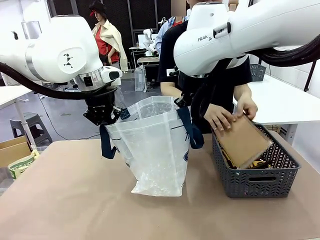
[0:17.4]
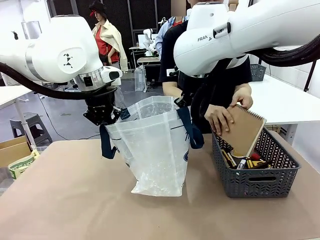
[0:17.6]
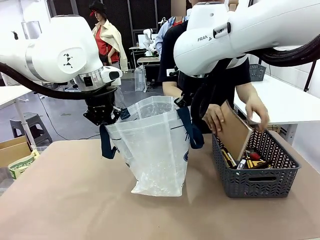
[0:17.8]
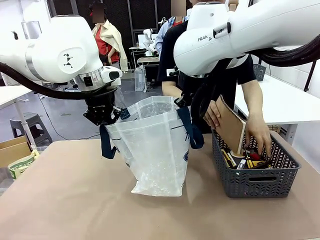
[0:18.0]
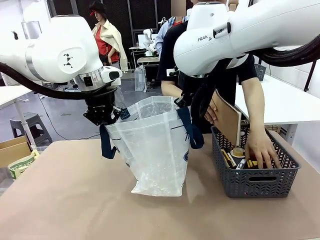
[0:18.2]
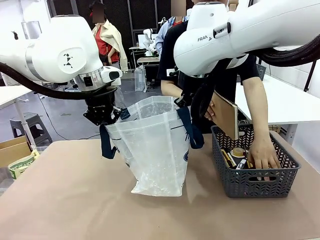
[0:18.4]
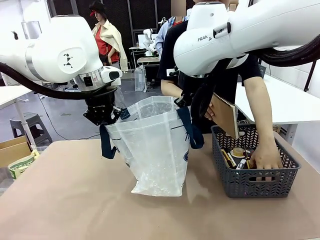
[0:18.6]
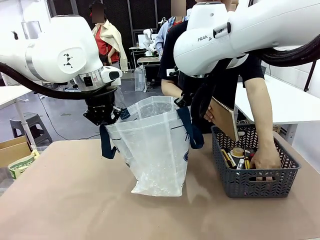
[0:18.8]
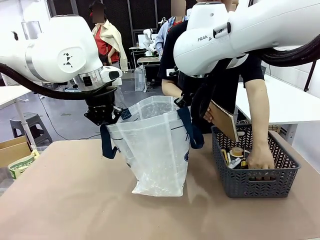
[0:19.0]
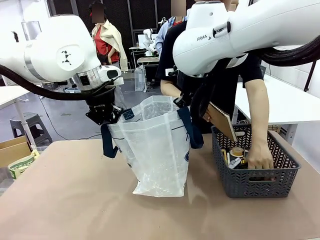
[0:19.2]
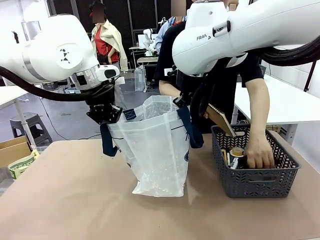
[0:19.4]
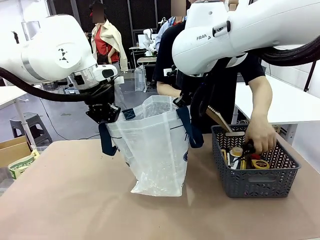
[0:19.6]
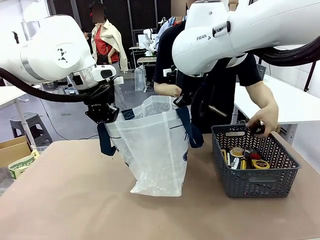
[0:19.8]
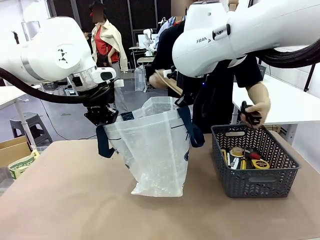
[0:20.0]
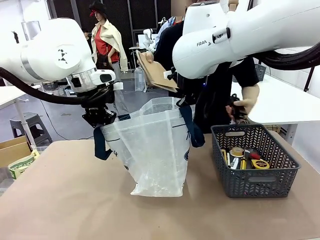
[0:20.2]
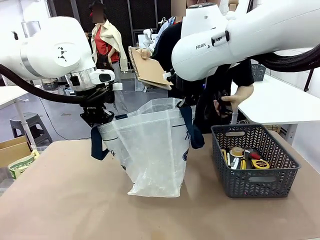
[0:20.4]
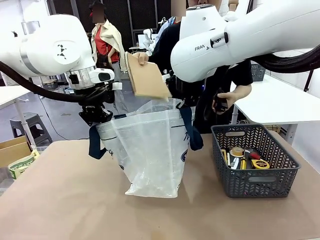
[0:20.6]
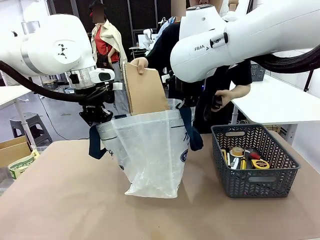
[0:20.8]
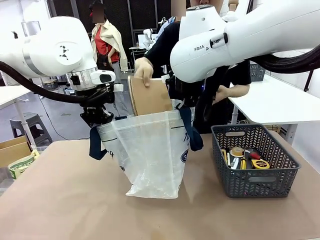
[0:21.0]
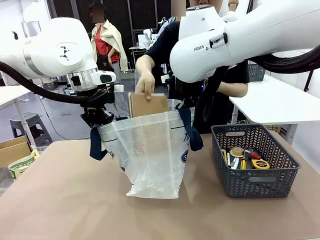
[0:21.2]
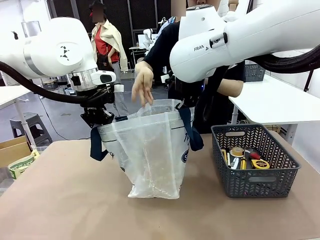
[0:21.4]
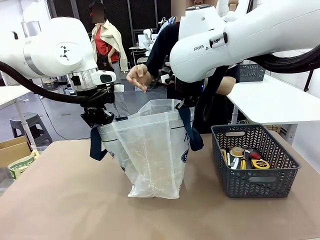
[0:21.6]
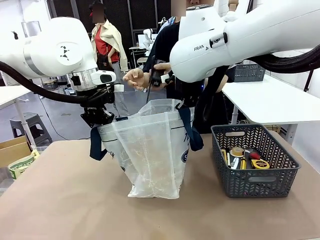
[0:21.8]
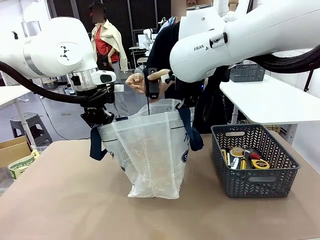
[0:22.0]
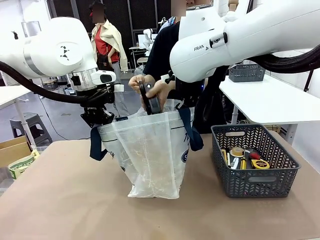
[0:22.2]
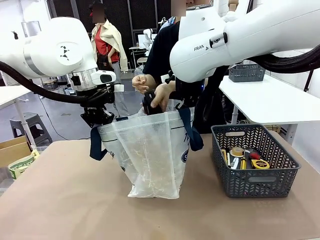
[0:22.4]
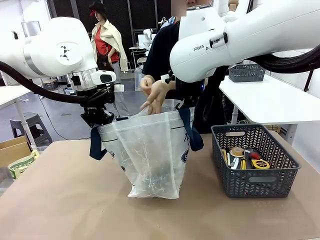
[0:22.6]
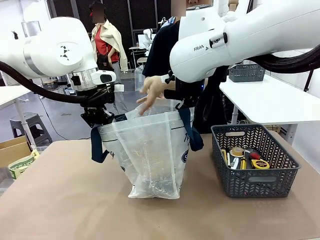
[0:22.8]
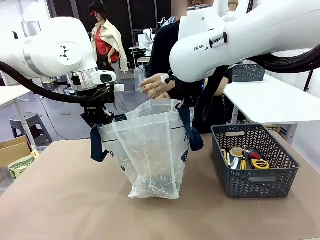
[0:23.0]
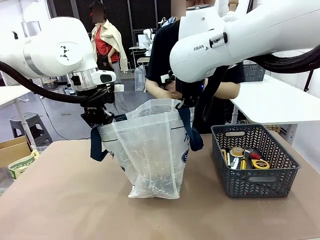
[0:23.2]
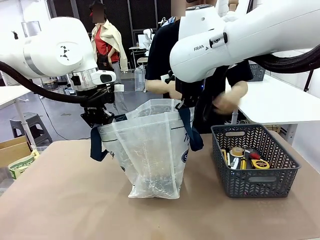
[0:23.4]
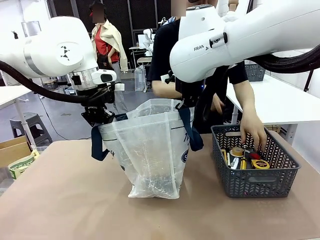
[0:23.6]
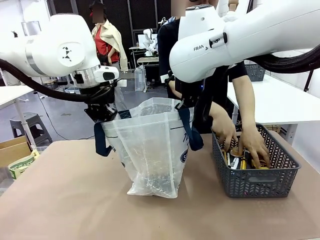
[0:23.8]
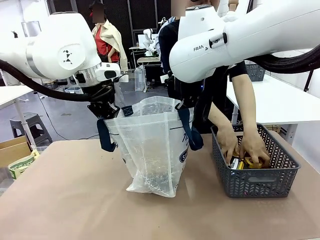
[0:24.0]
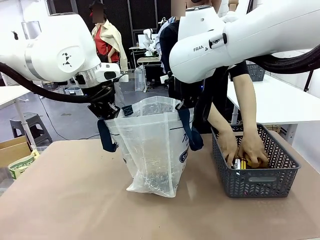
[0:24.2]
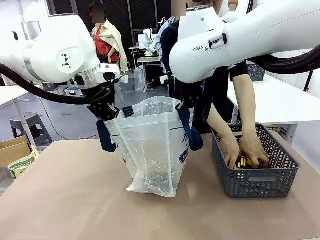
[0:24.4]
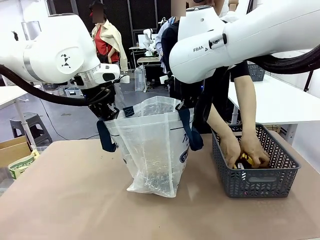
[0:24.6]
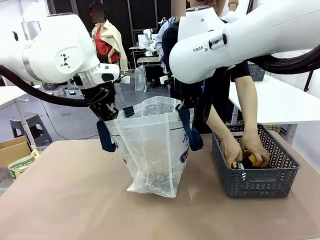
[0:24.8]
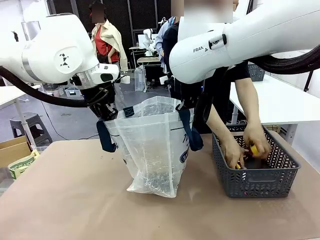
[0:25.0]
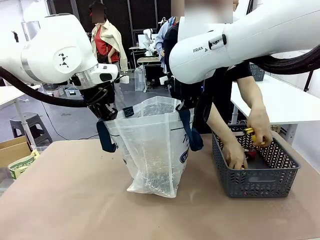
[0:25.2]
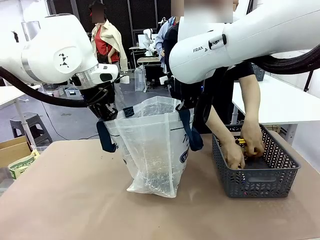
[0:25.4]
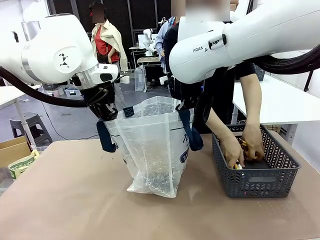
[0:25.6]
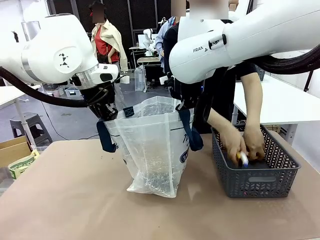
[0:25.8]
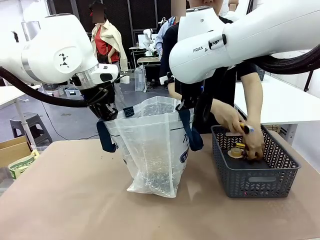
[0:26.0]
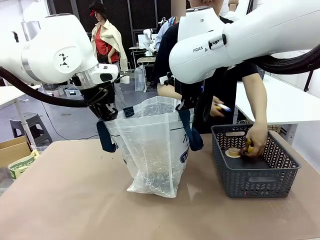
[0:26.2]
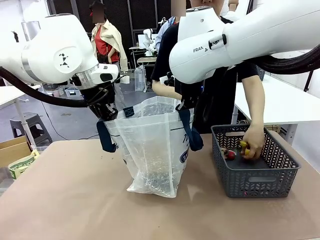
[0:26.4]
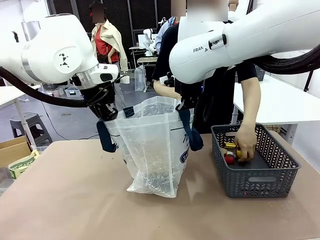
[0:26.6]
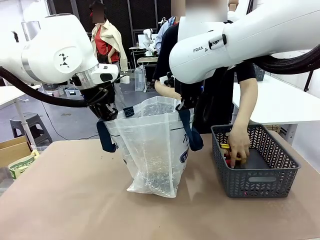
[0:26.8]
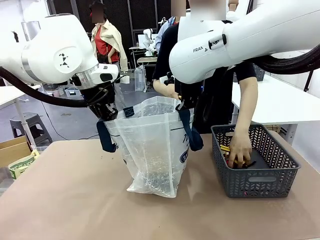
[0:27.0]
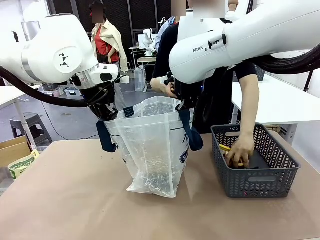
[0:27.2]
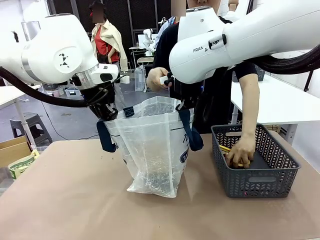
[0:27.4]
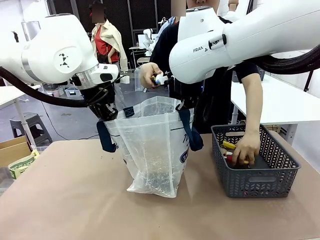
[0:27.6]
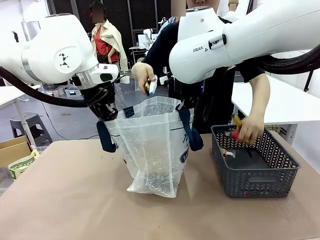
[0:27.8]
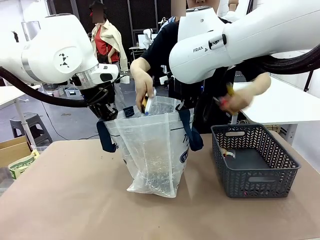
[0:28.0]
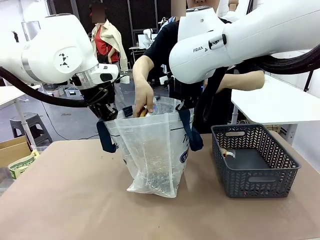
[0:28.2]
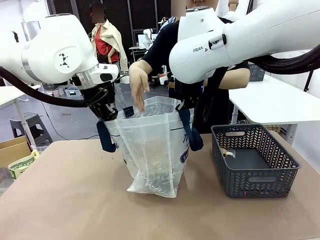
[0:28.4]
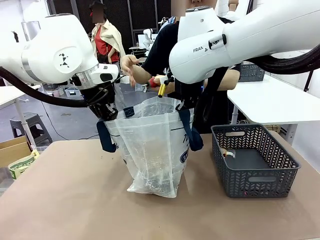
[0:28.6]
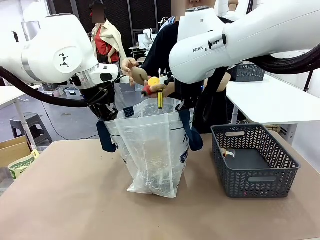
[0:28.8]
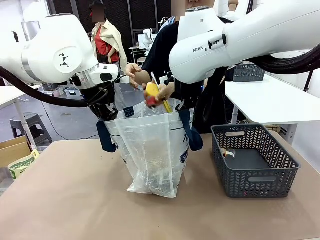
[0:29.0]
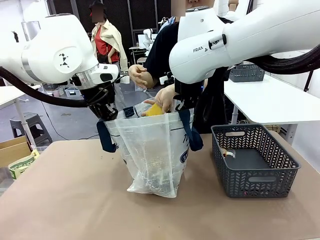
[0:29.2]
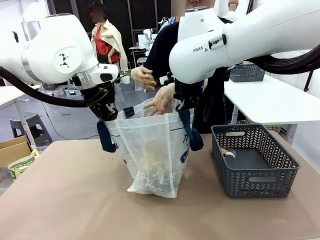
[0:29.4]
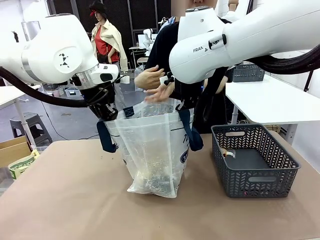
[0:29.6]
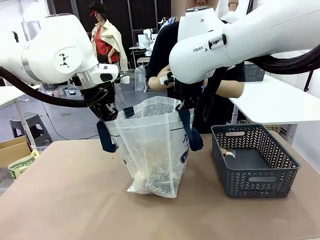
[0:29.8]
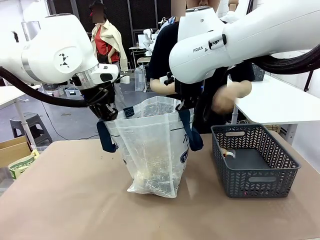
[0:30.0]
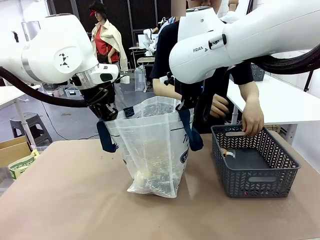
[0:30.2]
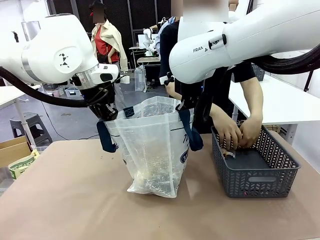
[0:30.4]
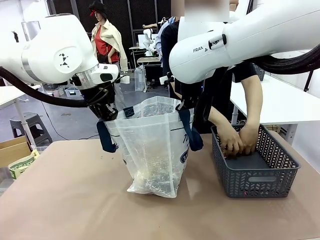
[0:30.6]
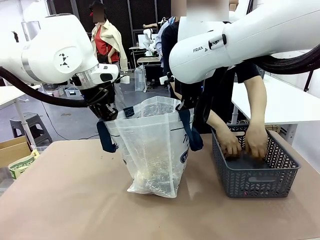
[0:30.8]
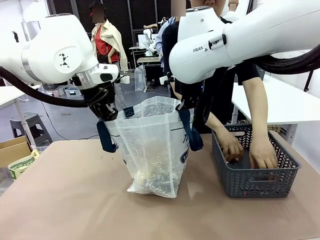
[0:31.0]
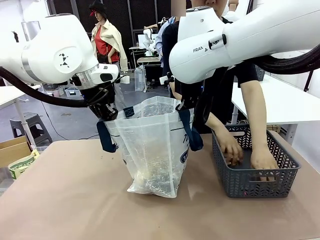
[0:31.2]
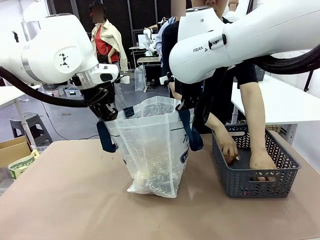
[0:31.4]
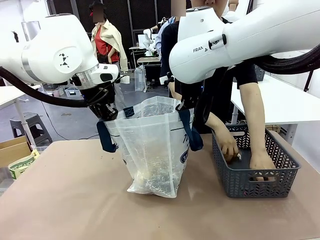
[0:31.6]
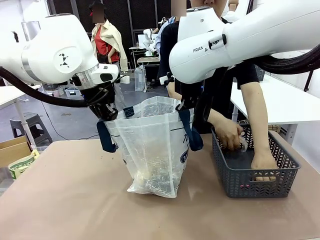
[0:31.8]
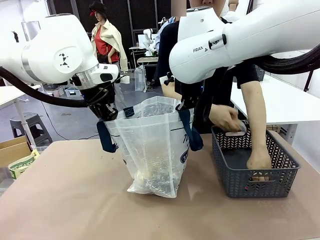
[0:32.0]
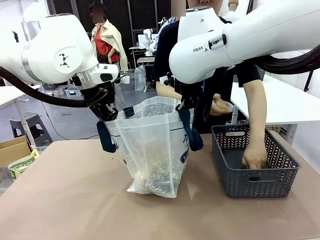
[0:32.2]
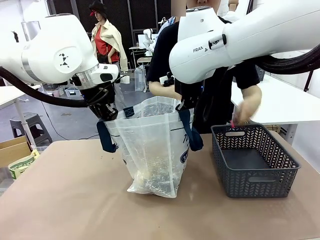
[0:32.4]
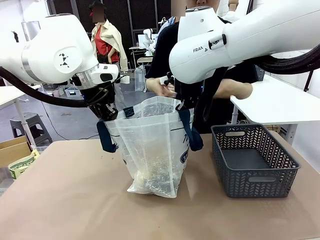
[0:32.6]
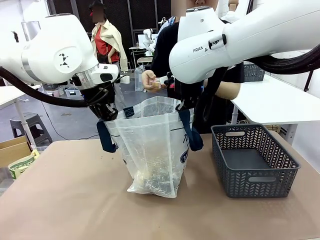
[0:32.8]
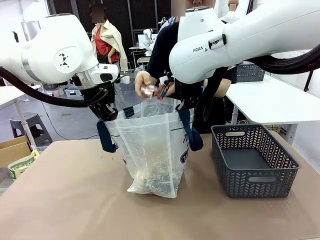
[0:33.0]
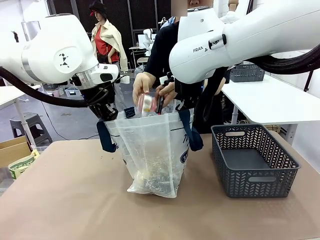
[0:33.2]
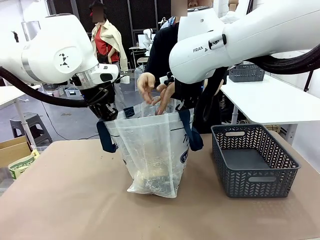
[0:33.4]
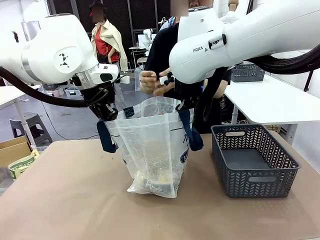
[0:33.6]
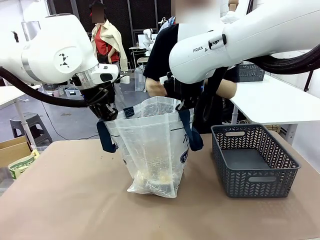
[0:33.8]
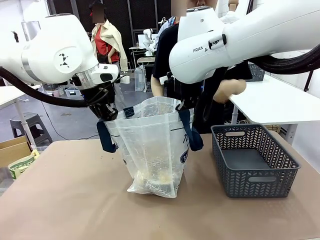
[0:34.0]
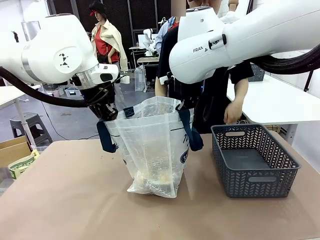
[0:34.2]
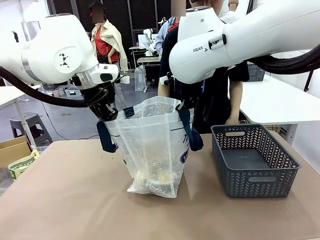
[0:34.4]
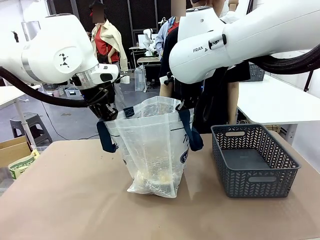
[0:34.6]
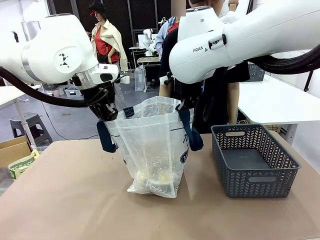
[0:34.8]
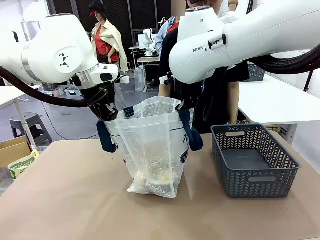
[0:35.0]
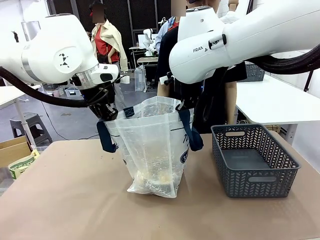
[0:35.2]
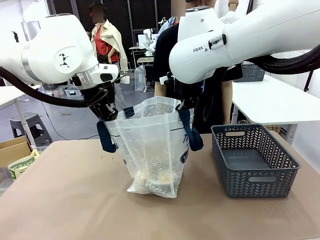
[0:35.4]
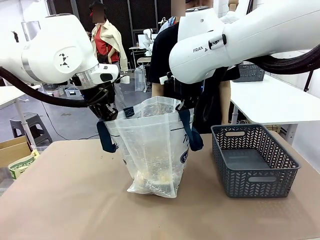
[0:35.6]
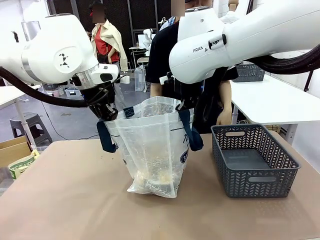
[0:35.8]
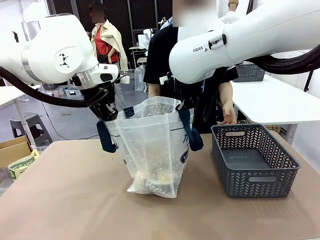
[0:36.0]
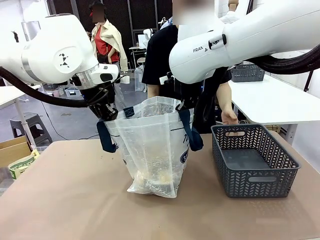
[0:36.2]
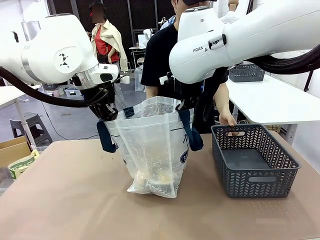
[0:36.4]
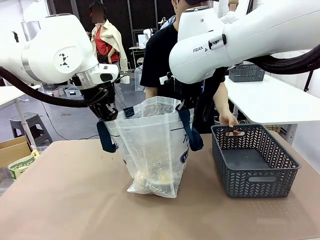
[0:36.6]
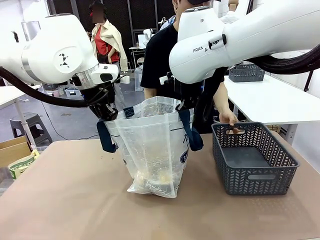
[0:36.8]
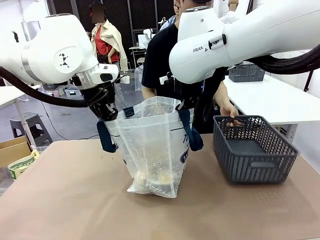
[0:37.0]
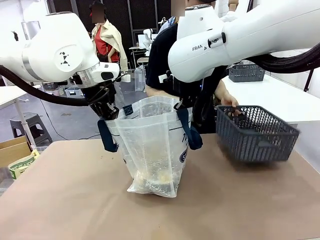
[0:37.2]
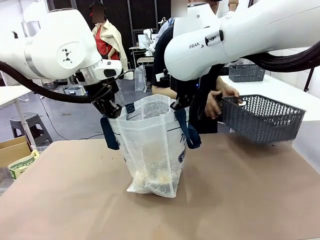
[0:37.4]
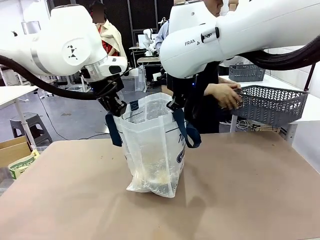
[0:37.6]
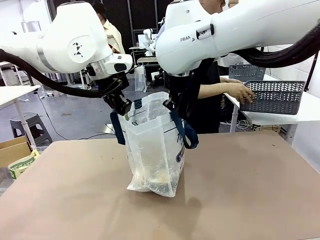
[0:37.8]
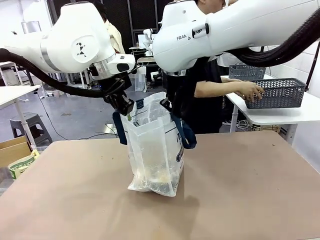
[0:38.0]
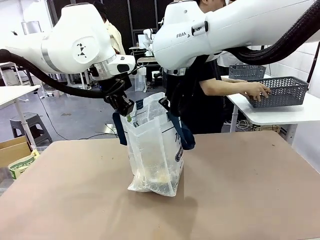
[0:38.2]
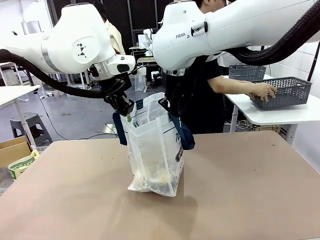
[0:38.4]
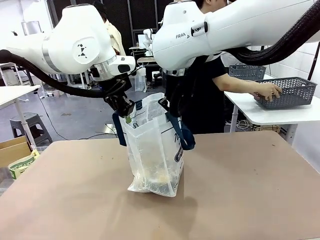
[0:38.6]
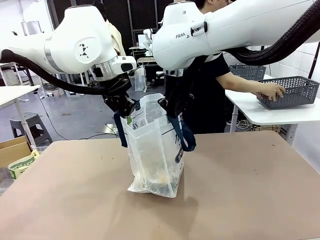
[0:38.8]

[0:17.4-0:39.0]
Task: Transfer purchased items from the store into the shopping bag.
Robot: Move the Reusable shopping bag to the right side of the table.
Person: Pick up the basket on the right, place it on the left side of the robot table, and move the items in the basket to the shopping bag. Pick up the basket with the items out and place it on the right side of the human table.
